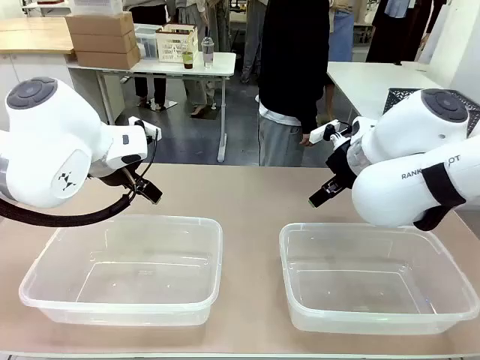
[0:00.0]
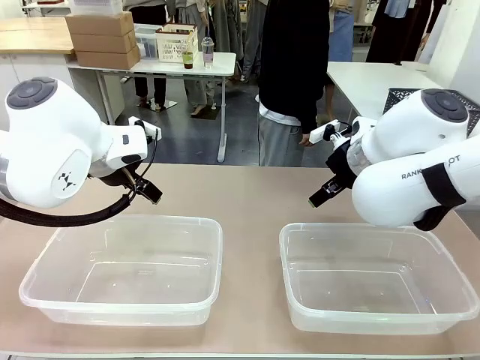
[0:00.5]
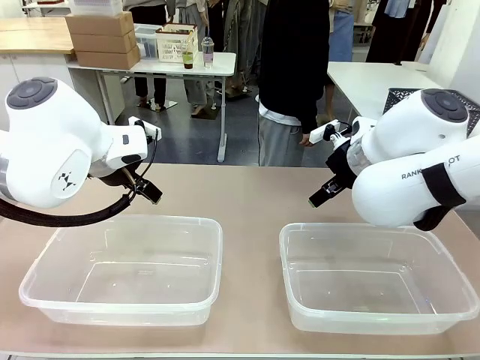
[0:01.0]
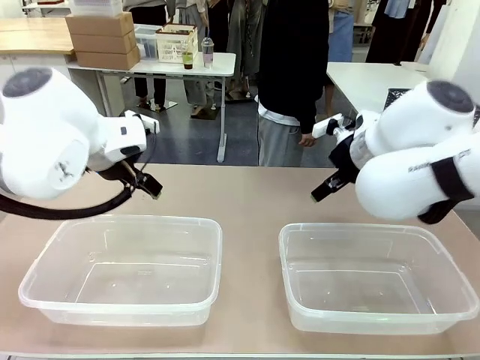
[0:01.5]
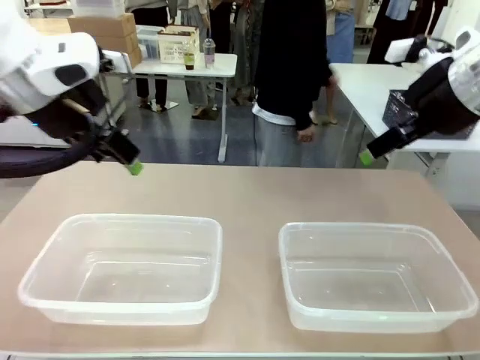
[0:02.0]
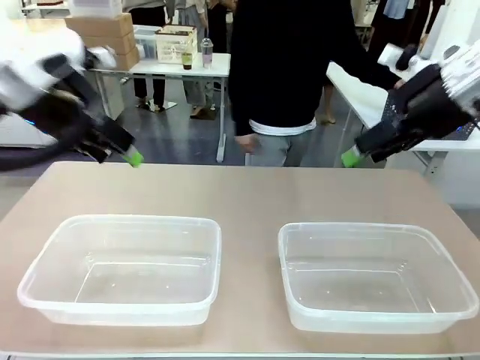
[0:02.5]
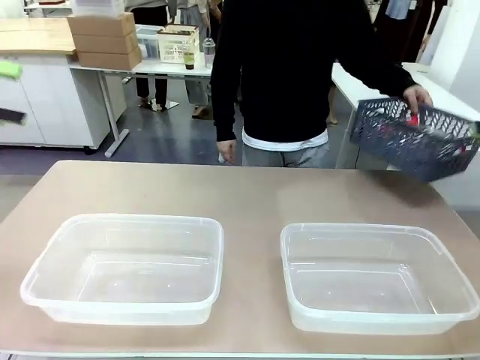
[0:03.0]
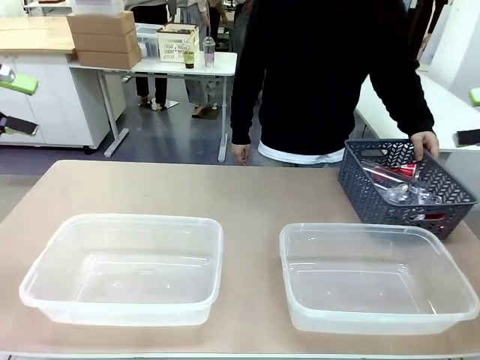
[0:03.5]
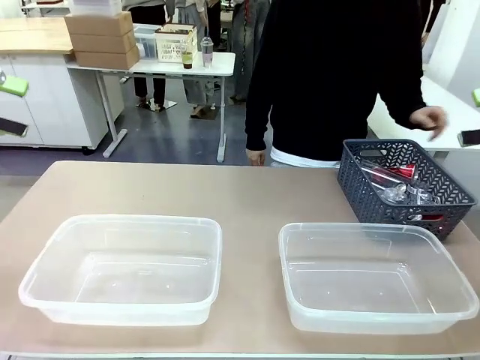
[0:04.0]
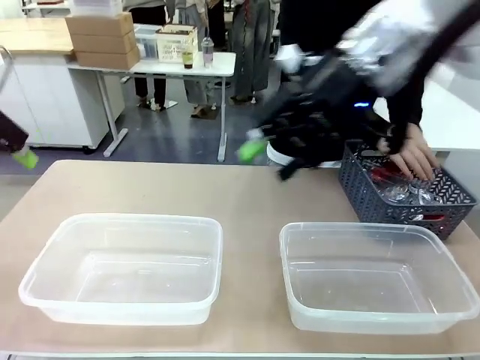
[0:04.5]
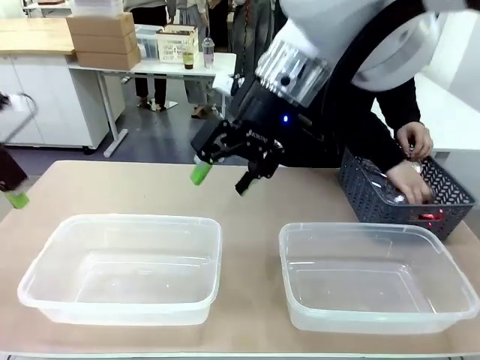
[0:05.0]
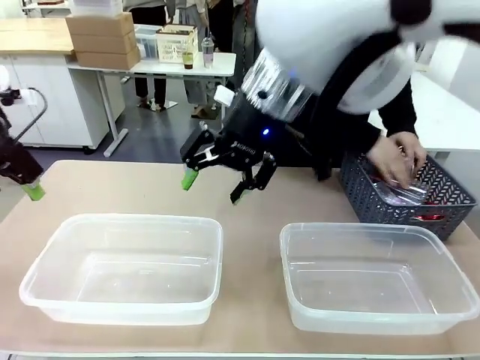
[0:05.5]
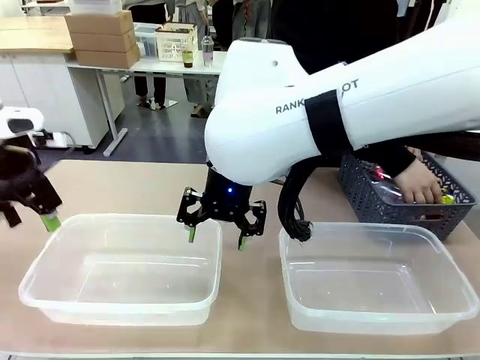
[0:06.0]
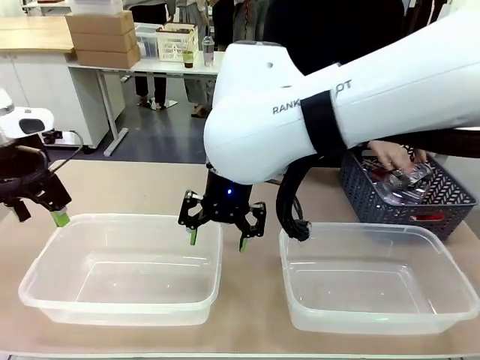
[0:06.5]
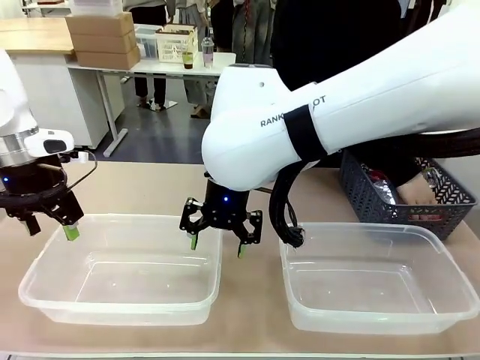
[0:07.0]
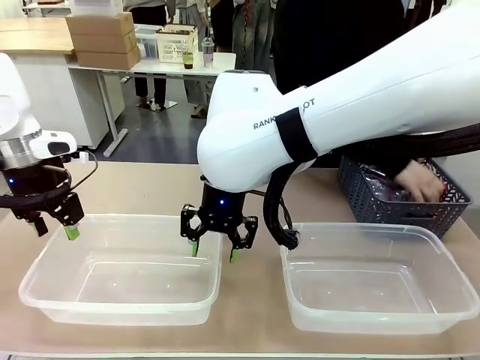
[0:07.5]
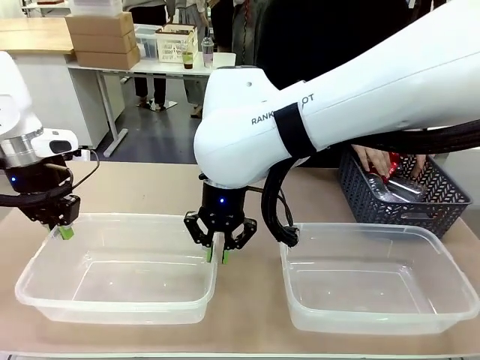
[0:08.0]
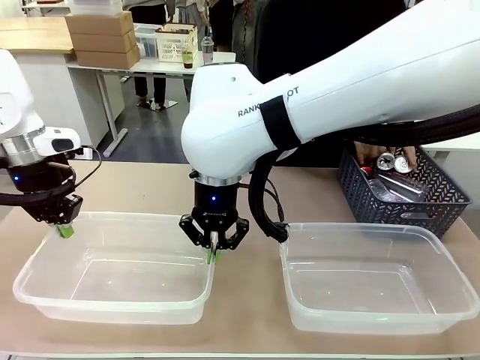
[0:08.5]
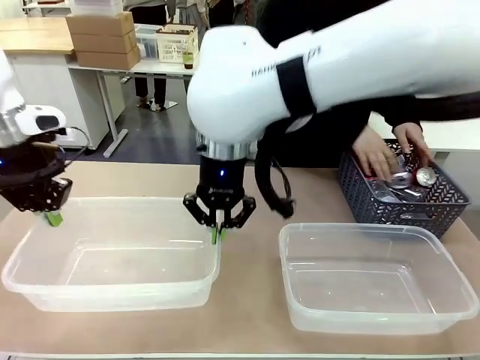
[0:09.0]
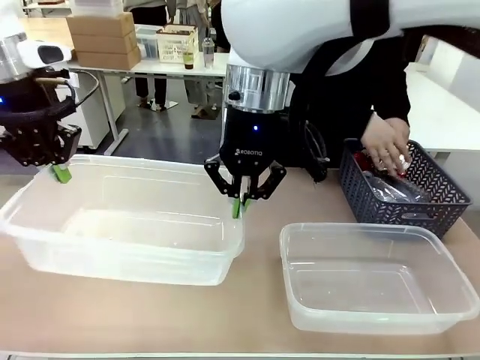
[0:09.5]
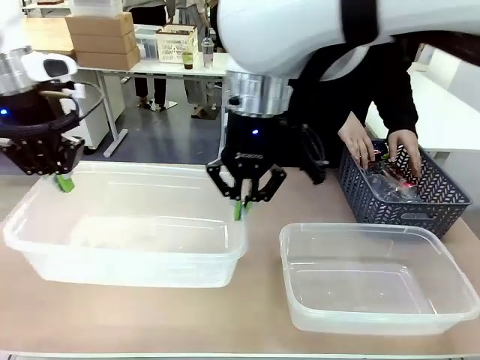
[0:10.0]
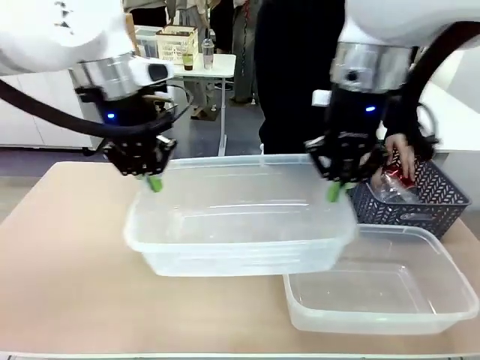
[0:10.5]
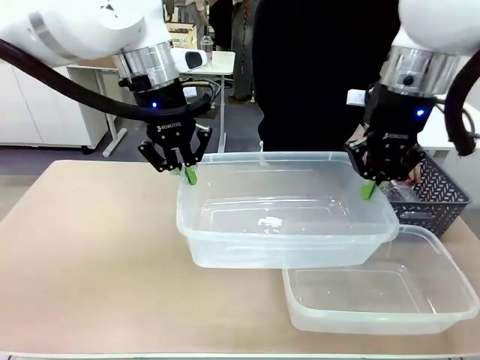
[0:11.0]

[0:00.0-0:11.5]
Robot: Pick up the Organizing box on the left side of the table and lift it.
Person: Pick up the storage basket and place it on the left side of the robot table. Pick up can-shaped waste one by one and place it into the organizing box lifted by the robot.

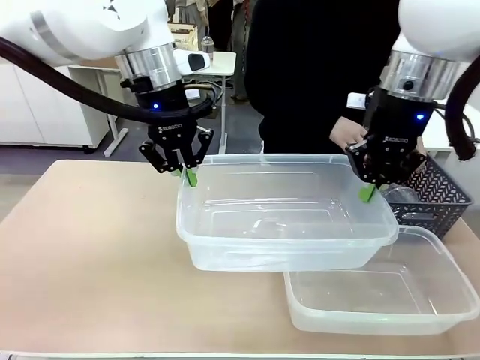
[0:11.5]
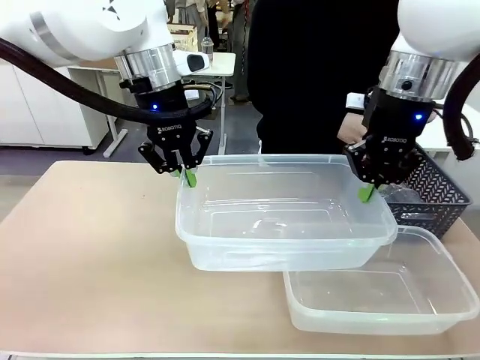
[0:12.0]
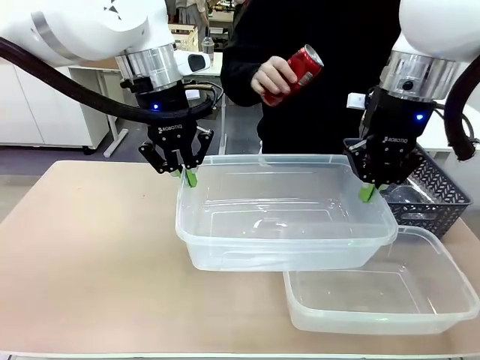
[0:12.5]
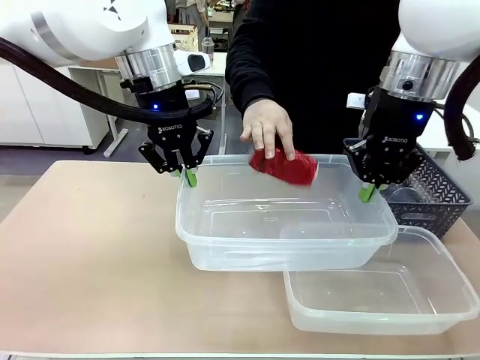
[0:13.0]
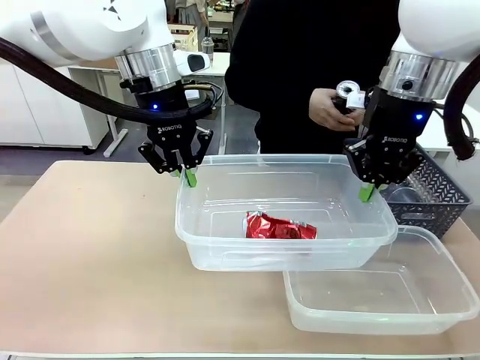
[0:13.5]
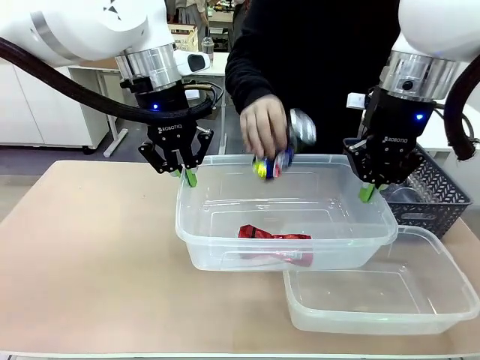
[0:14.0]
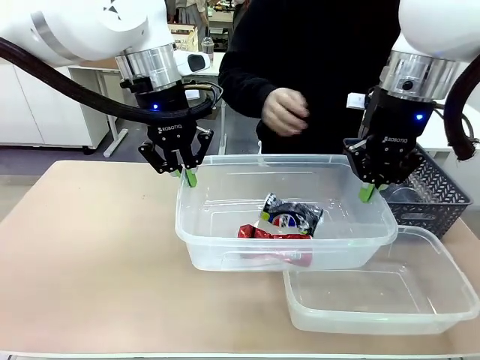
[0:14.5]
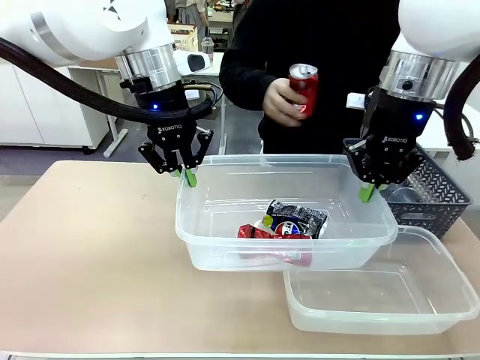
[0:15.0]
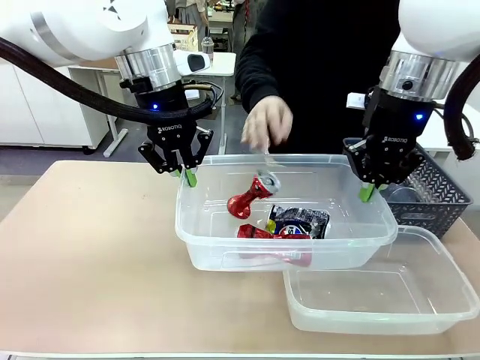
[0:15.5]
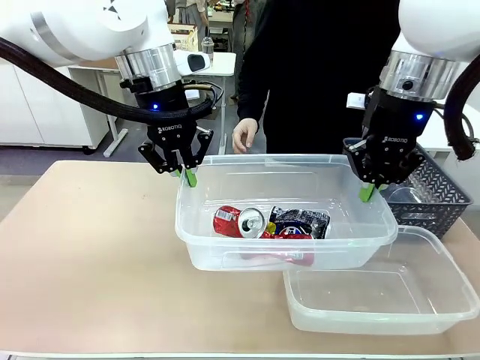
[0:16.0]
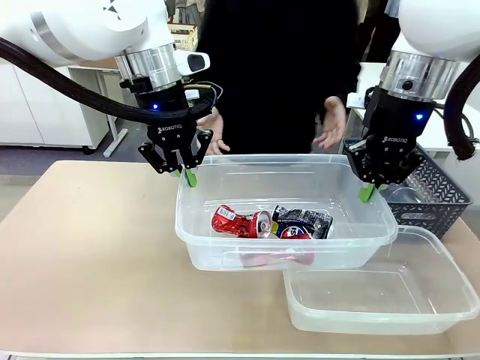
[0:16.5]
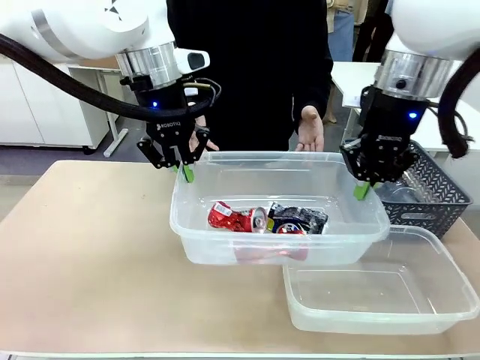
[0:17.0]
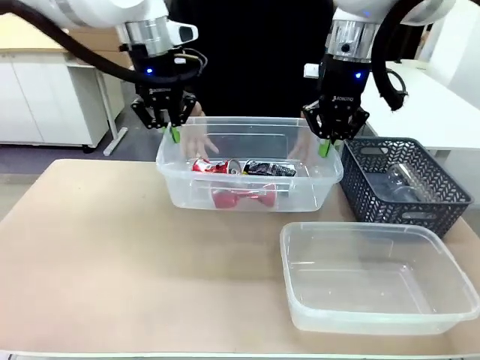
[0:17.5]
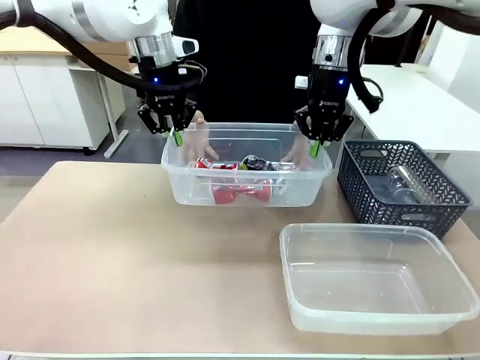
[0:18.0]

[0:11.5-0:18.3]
Robot: Offer the picked Organizing box to the human.

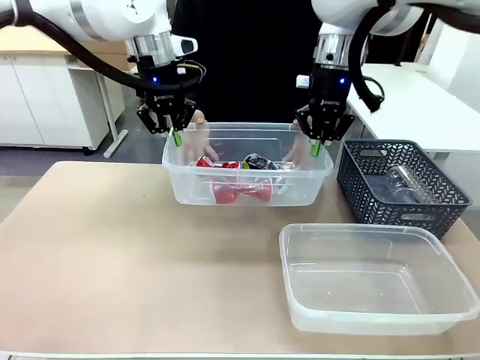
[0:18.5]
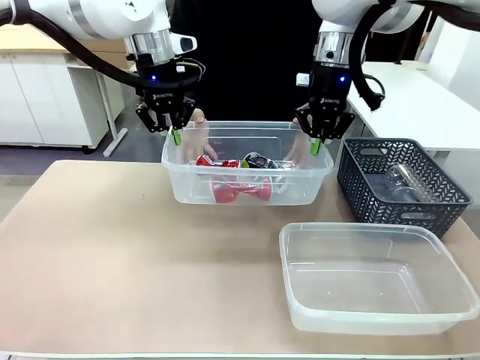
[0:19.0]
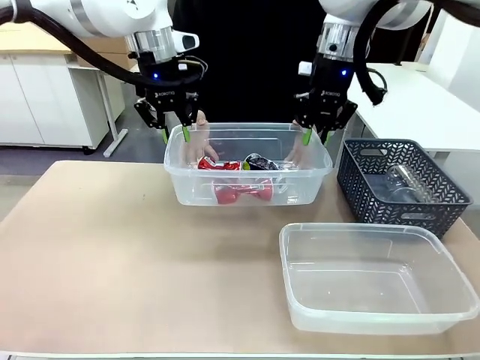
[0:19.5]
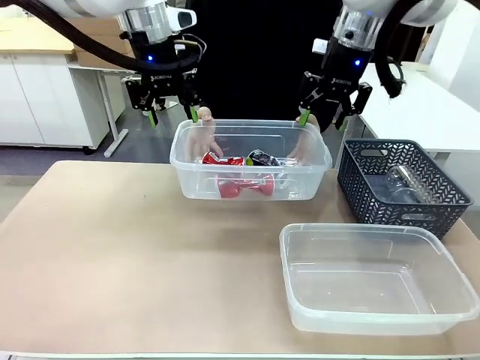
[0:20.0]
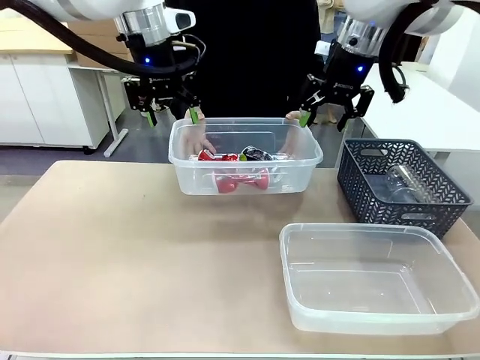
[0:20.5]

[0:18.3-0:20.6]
Robot: Release the Organizing box you were holding.

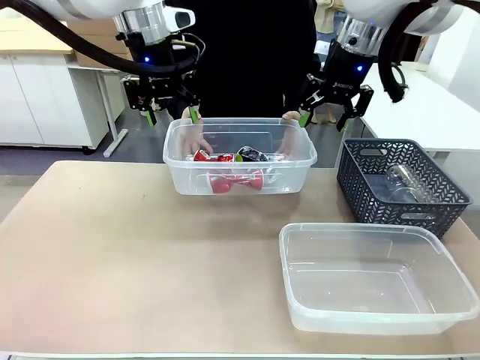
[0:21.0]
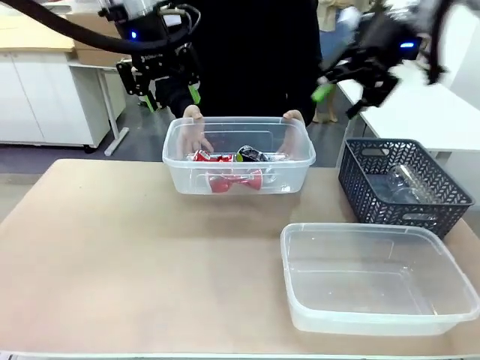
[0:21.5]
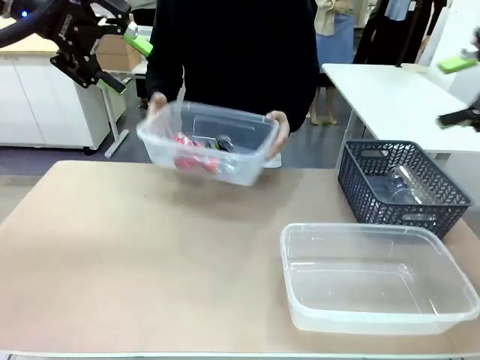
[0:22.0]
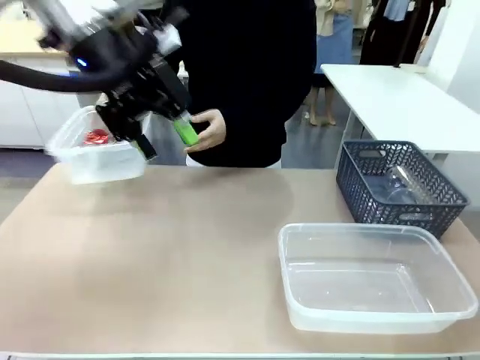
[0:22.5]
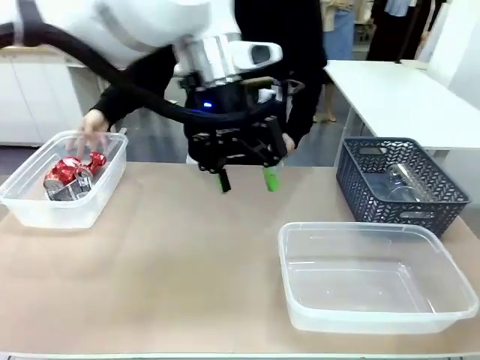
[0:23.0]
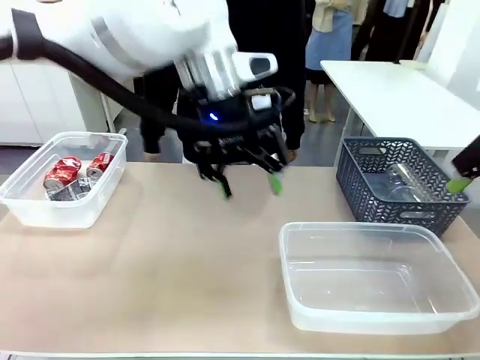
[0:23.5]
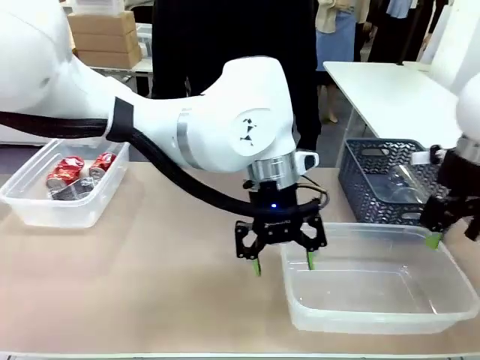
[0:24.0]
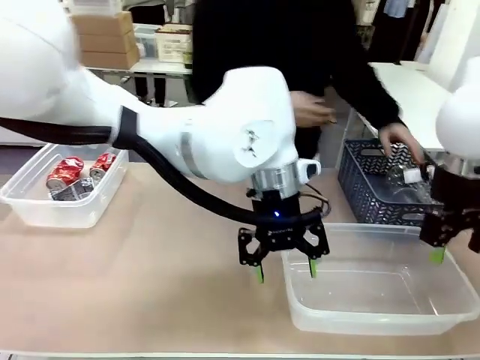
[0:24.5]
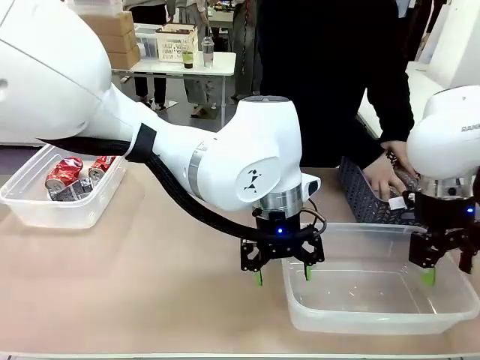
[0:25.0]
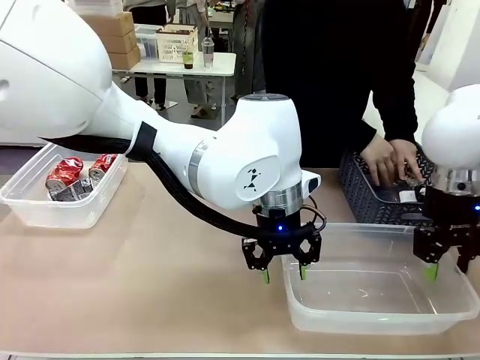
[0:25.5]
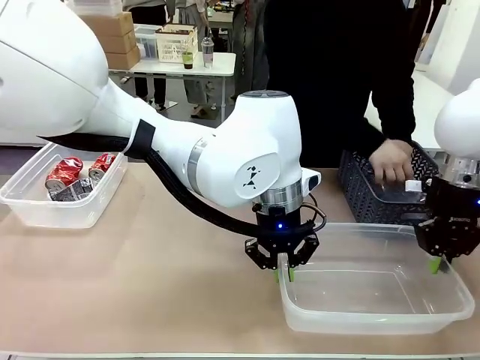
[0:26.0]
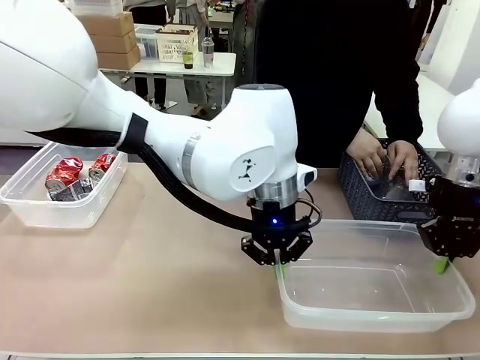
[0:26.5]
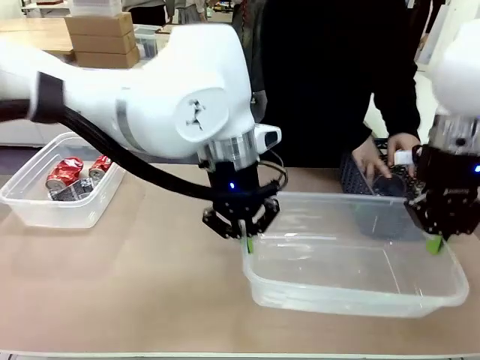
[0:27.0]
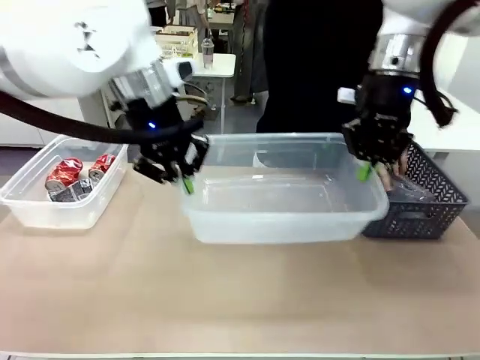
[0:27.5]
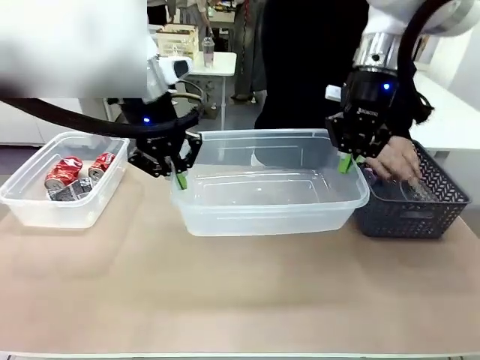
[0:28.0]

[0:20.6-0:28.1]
Robot: Pick up the Organizing box on the right side of the table and lift it.
Person: Place it at the edge of the bottom right area of the robot table.
